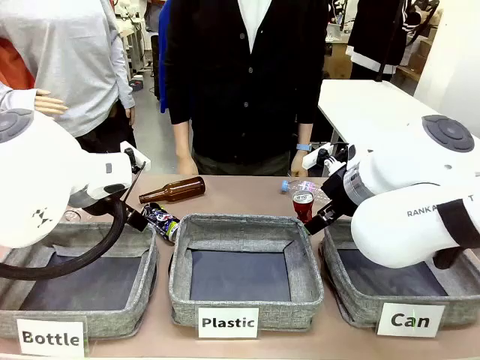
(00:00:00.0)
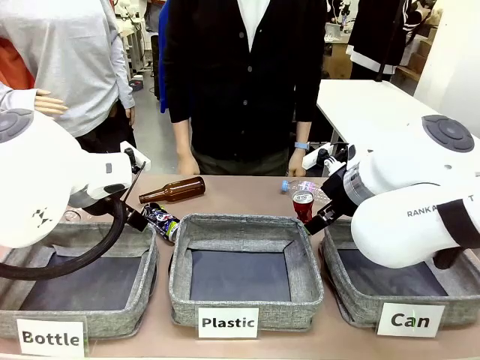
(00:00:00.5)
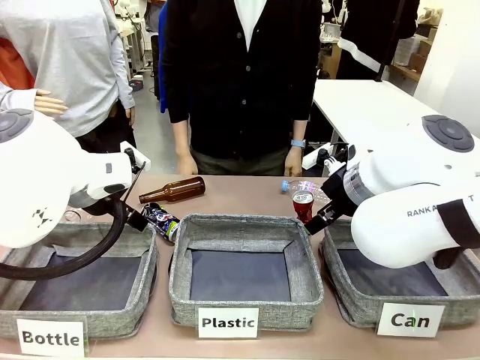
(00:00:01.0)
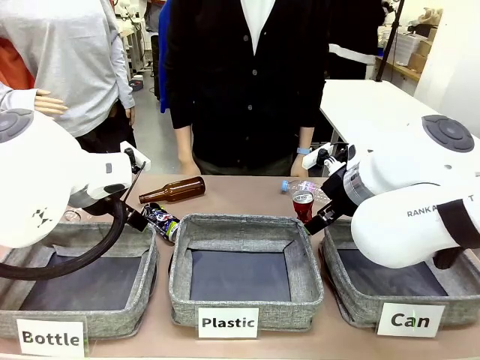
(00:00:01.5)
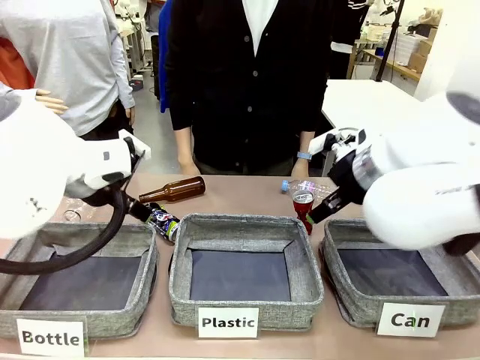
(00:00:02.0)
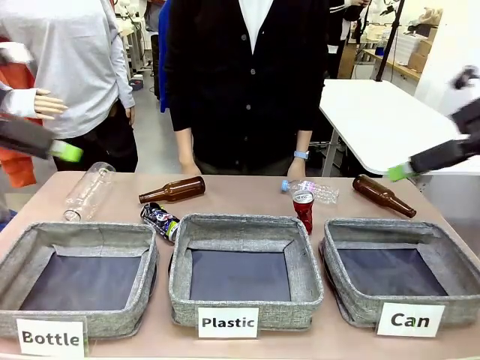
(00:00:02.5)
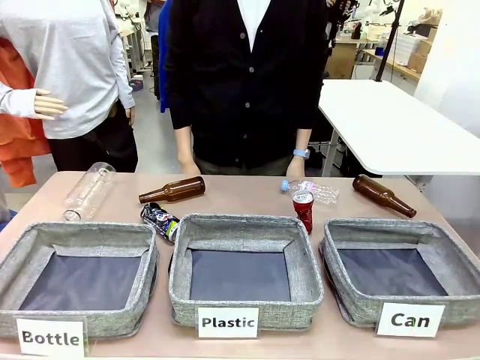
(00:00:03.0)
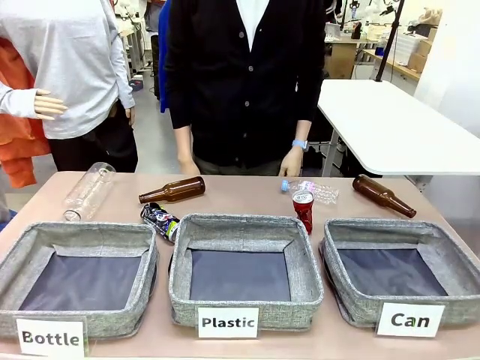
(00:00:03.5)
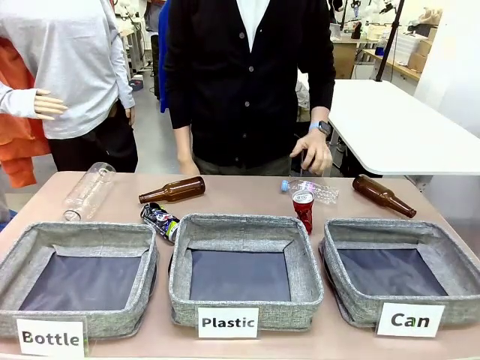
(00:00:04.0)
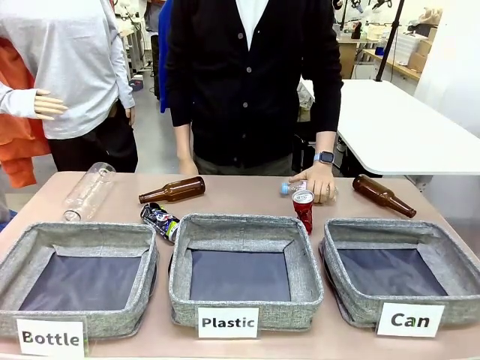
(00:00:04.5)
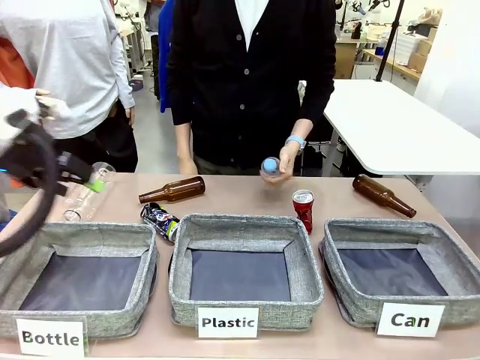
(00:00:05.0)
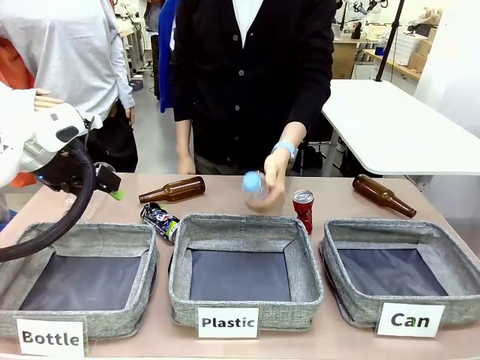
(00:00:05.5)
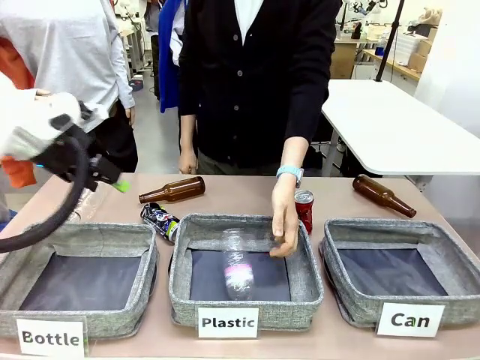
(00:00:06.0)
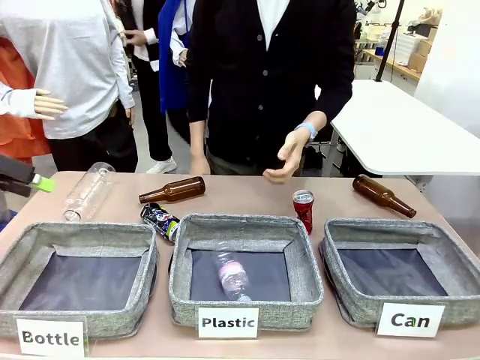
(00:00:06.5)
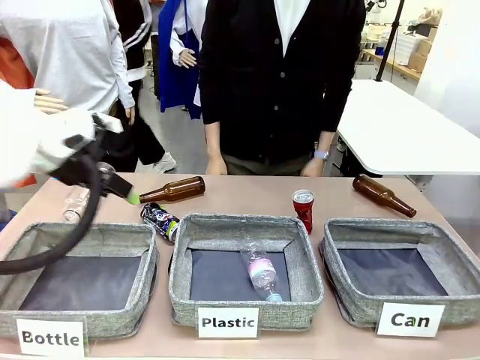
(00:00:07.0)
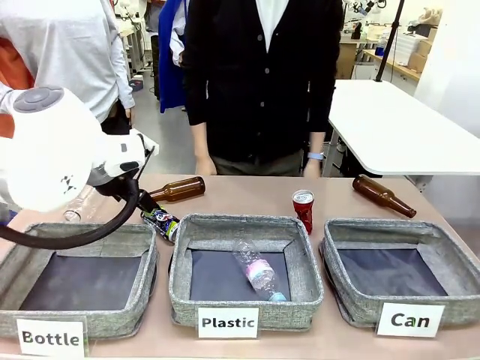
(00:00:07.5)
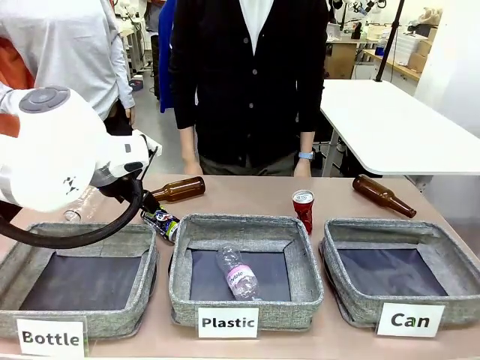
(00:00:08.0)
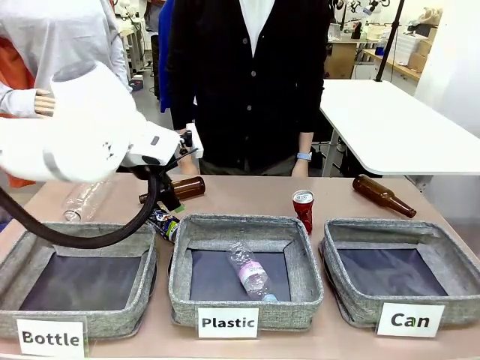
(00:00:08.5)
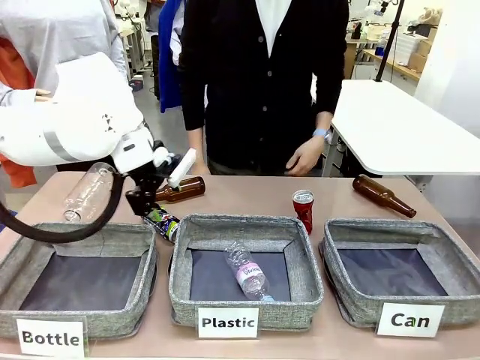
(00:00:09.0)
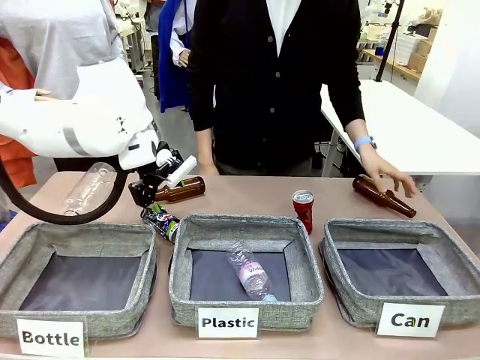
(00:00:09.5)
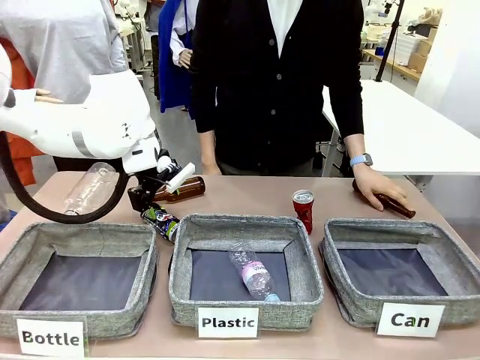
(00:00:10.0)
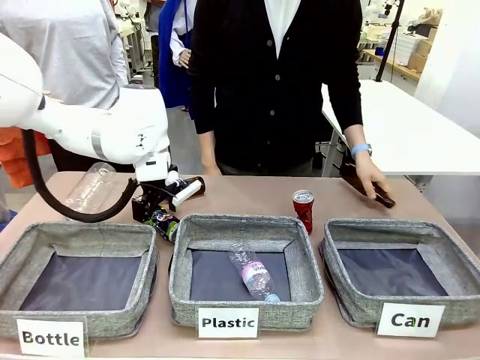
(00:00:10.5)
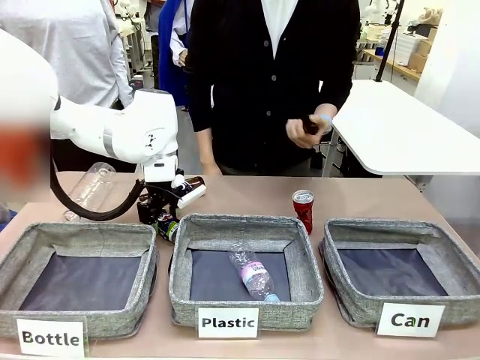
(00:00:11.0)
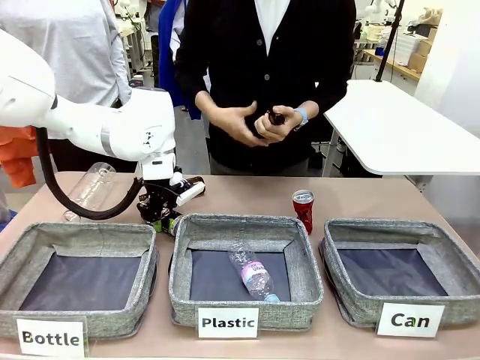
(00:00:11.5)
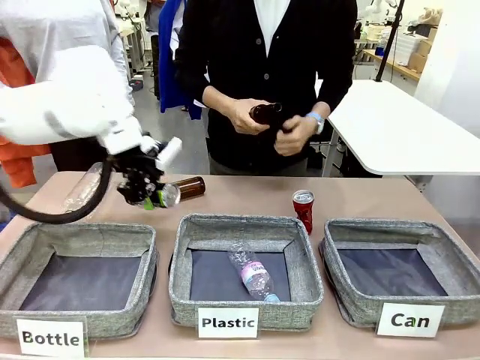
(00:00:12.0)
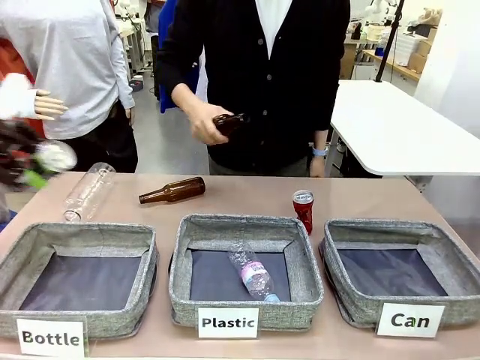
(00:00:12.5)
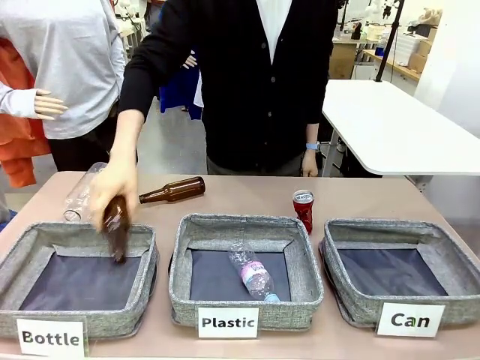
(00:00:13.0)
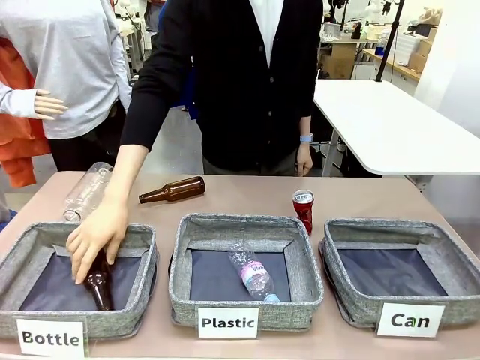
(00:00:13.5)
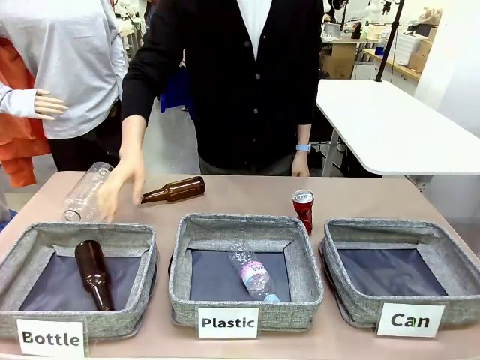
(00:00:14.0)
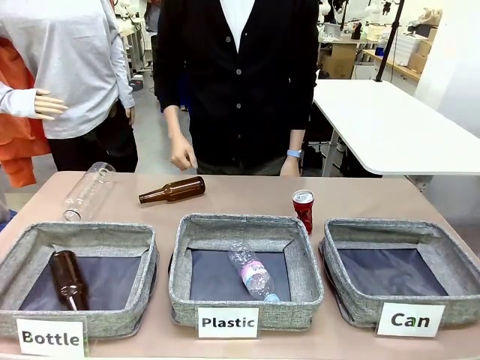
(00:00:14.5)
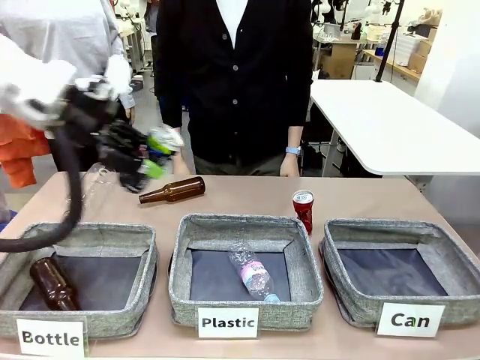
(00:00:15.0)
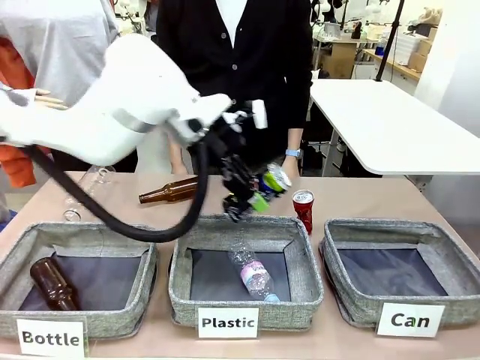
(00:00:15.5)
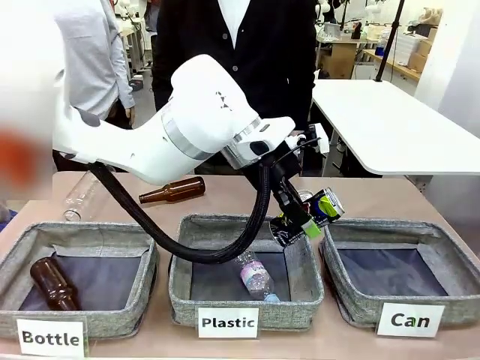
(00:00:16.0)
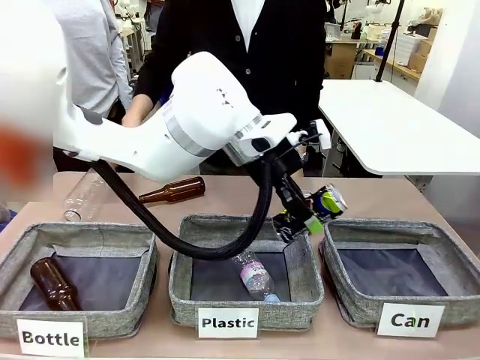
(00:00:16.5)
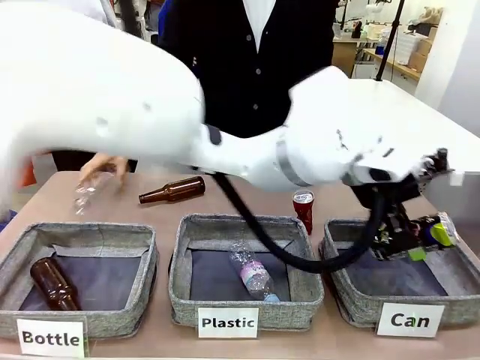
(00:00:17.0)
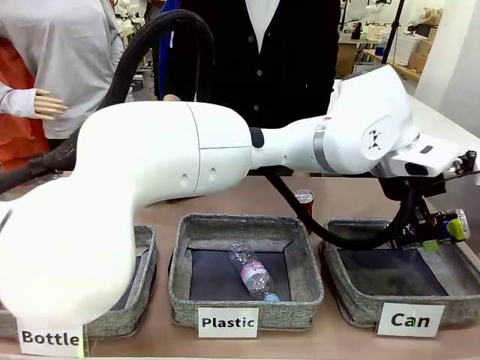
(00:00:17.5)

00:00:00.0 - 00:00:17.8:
Task: Sort the can waste into the basket.
Robot: Pick up the can waste from the table and place it in the right Fabric basket.

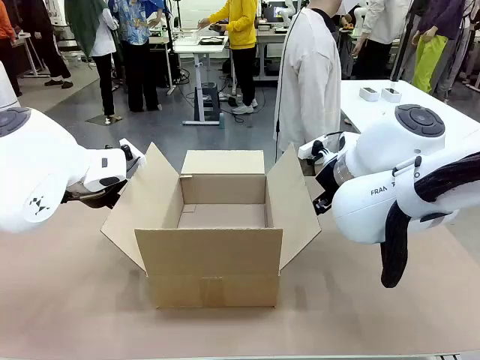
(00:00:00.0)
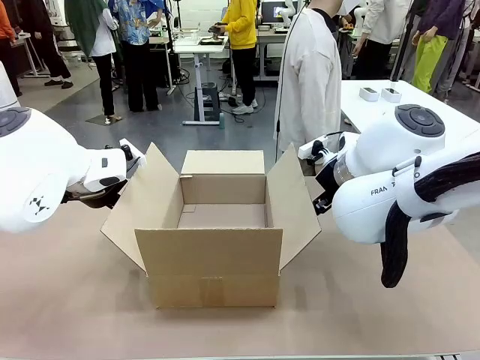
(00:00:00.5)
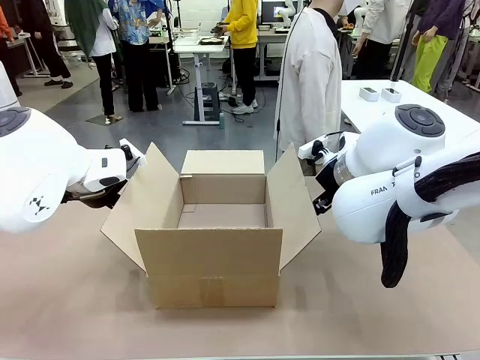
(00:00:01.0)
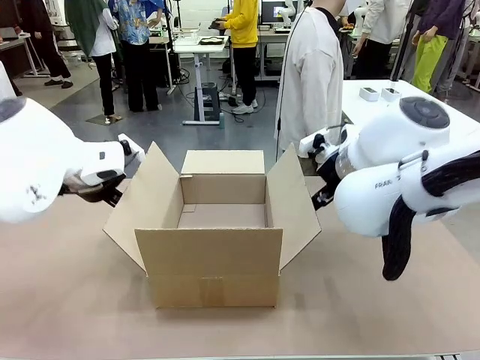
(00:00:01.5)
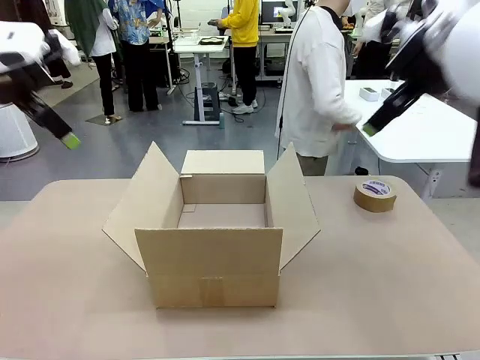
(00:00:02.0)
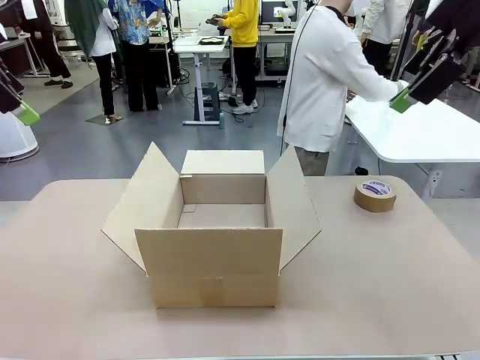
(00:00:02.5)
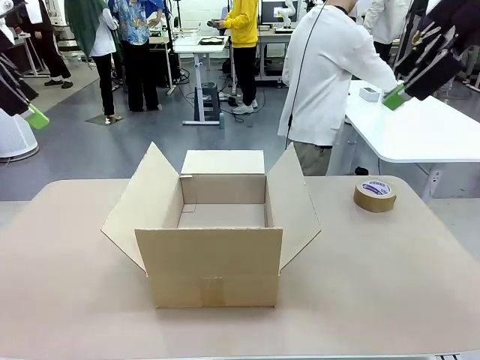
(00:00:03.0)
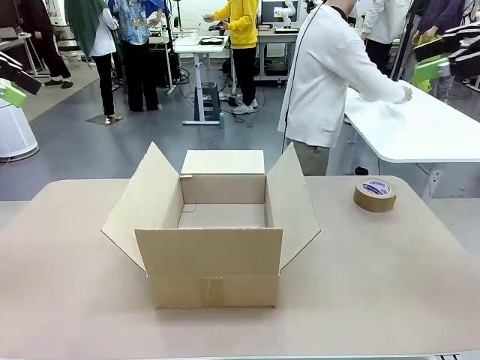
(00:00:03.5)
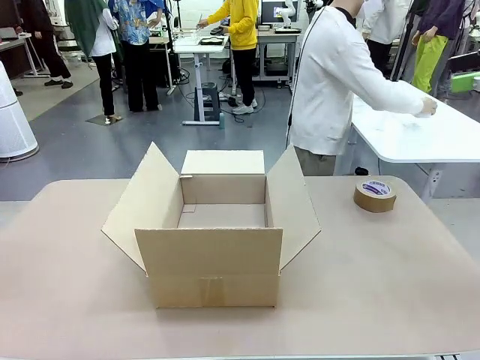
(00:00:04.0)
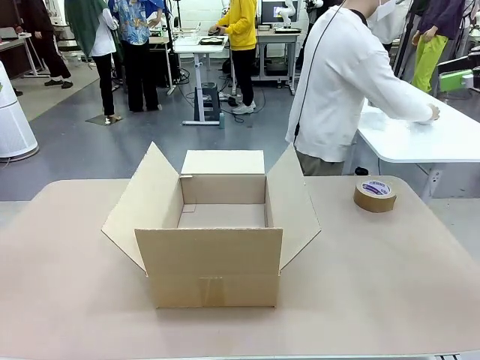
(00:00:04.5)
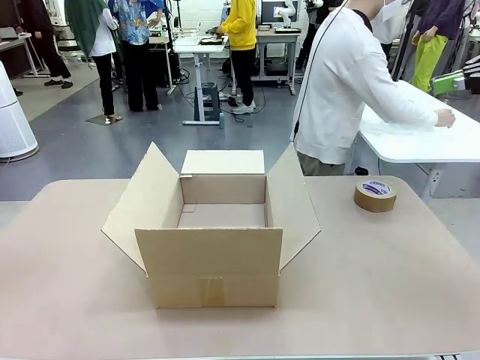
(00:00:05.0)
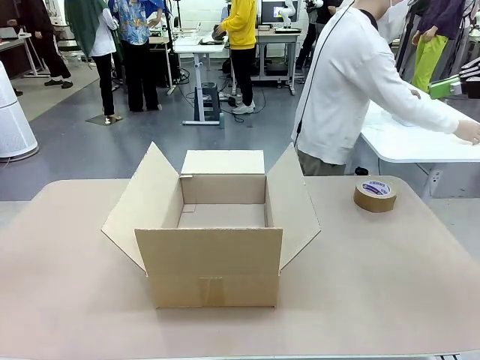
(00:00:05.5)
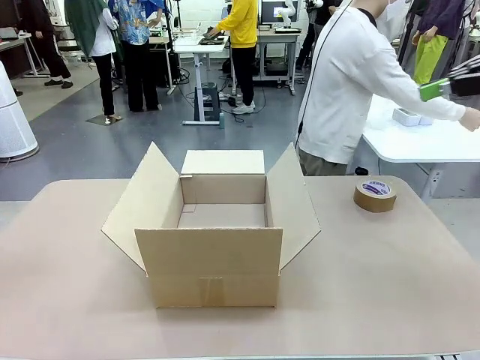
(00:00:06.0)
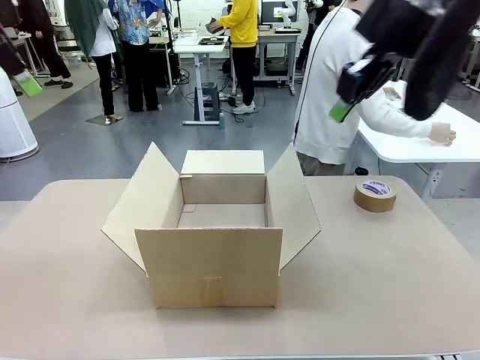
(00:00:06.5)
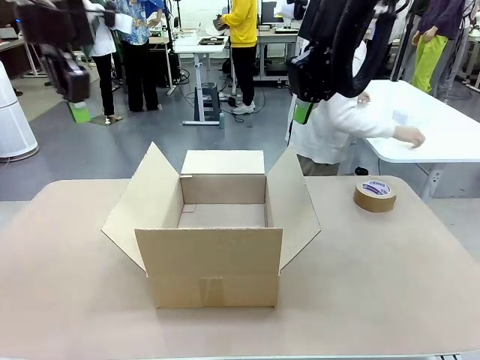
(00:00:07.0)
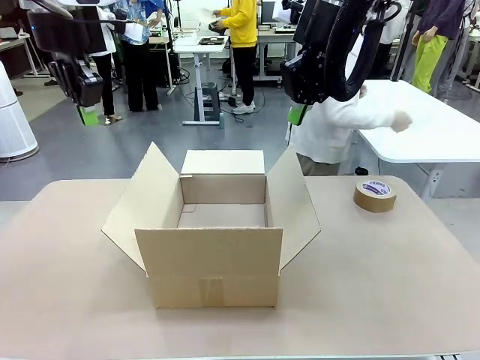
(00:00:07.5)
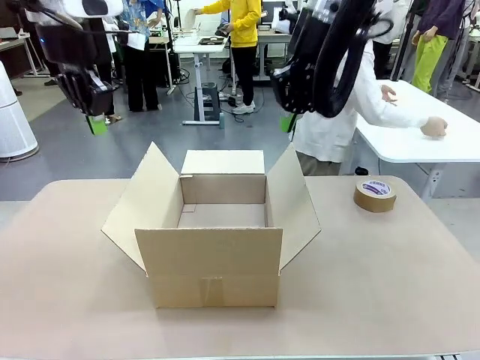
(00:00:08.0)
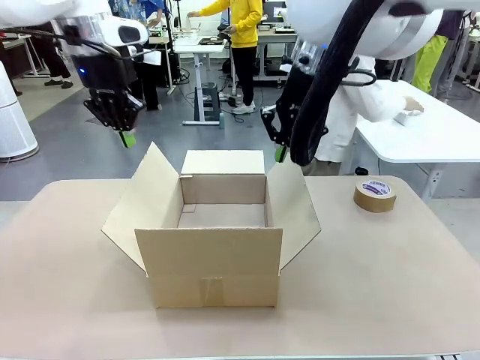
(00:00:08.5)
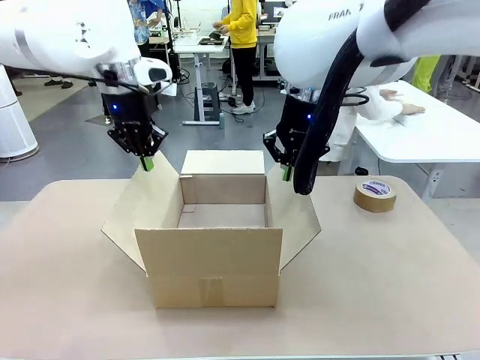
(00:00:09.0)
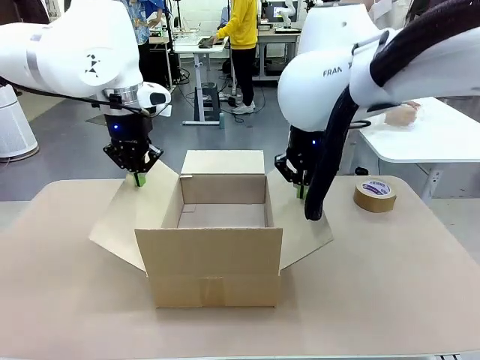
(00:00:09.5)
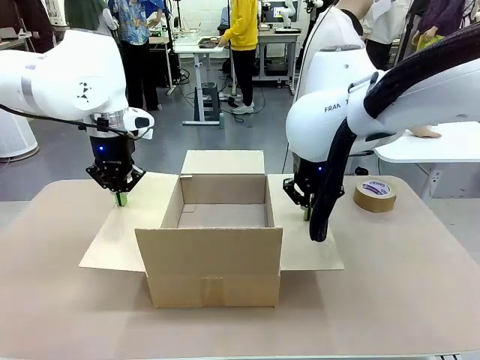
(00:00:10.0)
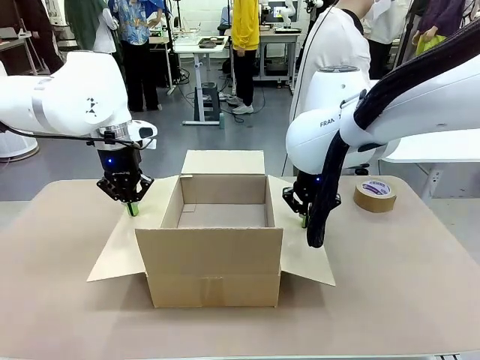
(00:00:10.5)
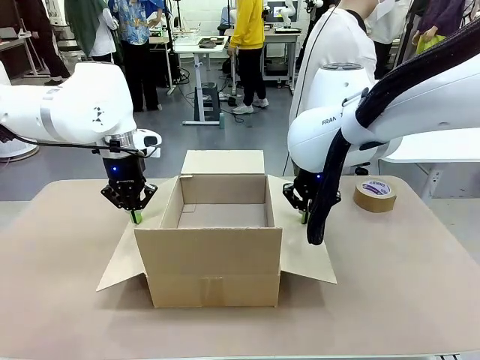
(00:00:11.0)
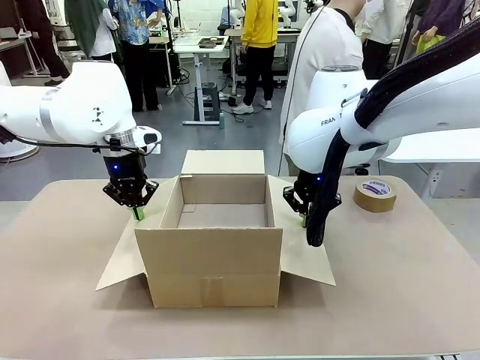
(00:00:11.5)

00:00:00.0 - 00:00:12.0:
Task: Wrap the clocks to prevent damage.
Robot: Open the side flaps of the Package Box.
Person: Wrap the two Digital clocks with Bubble Wrap.
